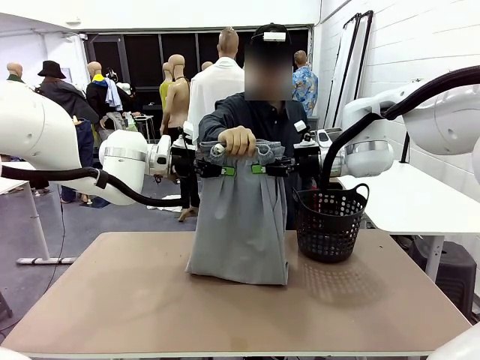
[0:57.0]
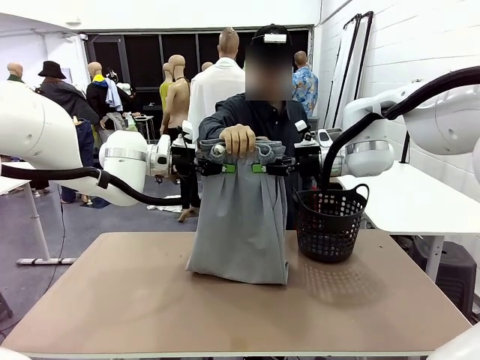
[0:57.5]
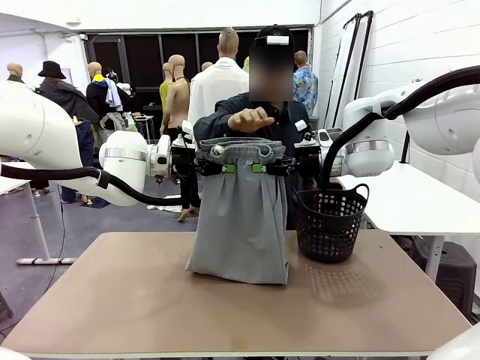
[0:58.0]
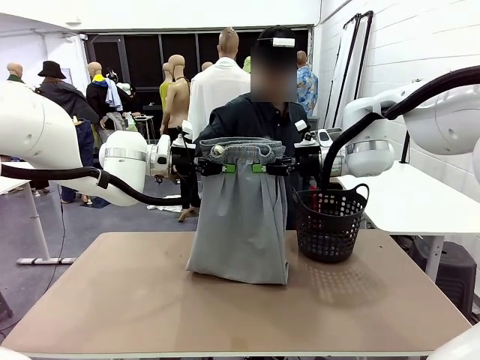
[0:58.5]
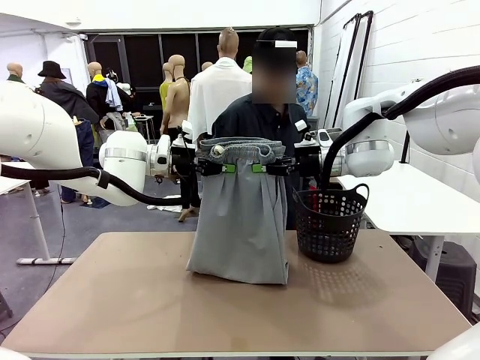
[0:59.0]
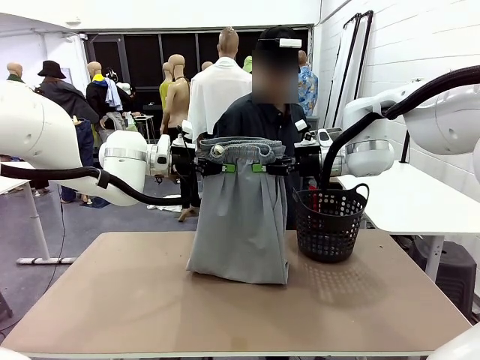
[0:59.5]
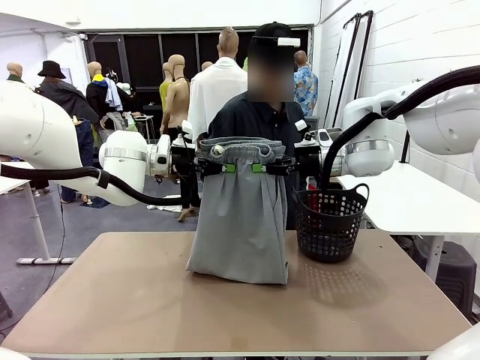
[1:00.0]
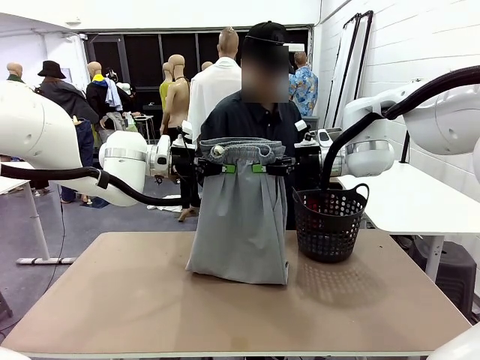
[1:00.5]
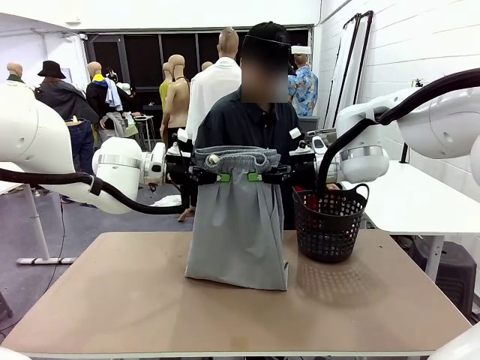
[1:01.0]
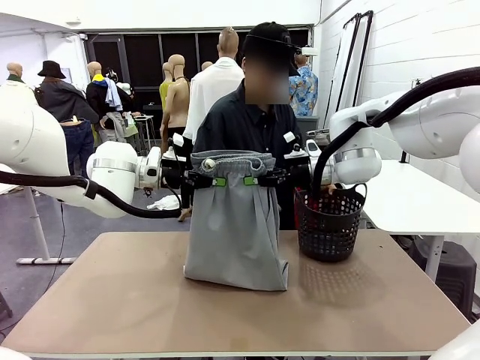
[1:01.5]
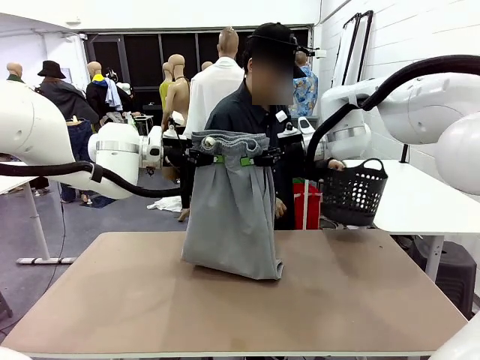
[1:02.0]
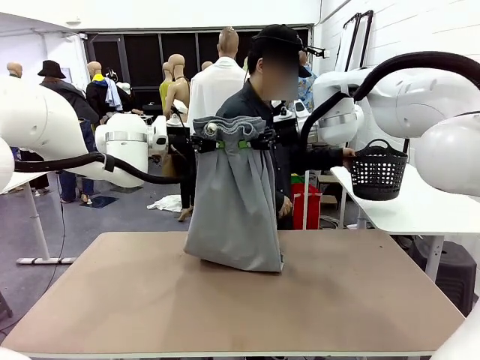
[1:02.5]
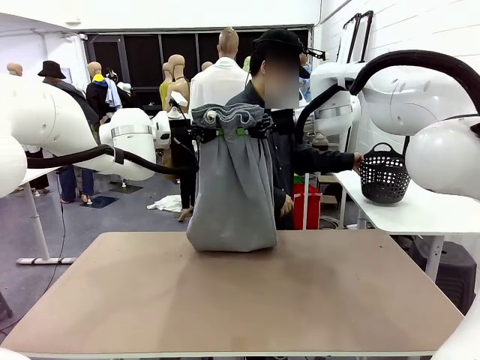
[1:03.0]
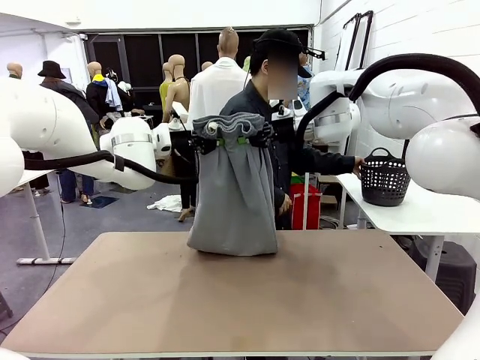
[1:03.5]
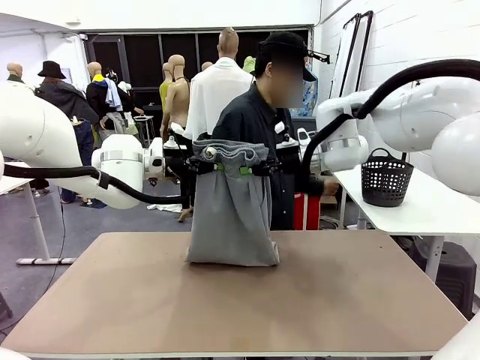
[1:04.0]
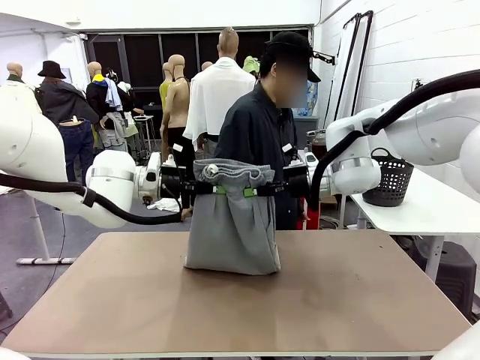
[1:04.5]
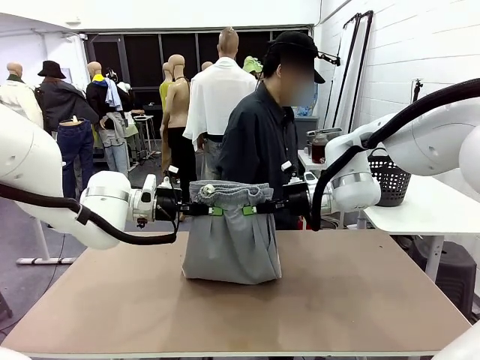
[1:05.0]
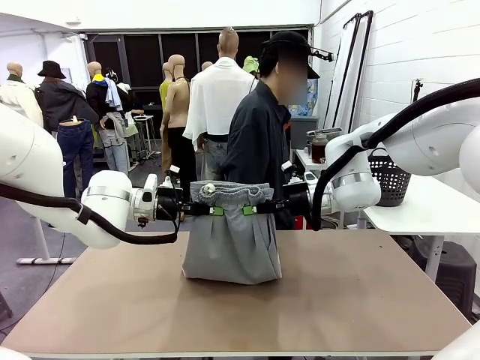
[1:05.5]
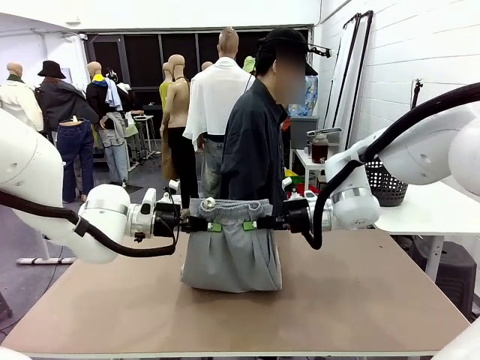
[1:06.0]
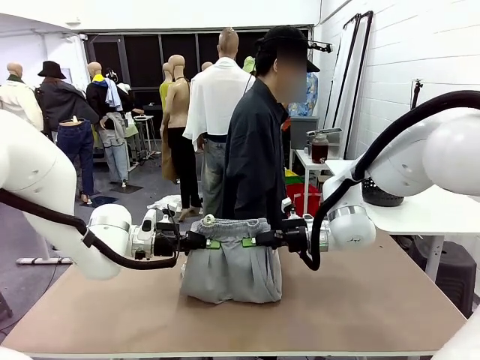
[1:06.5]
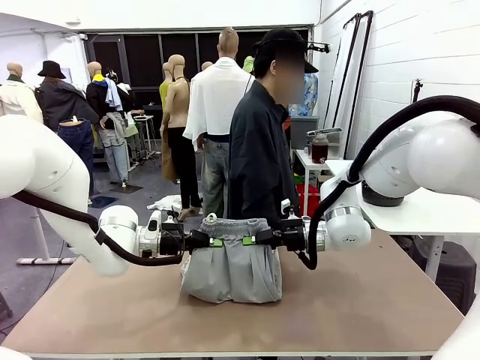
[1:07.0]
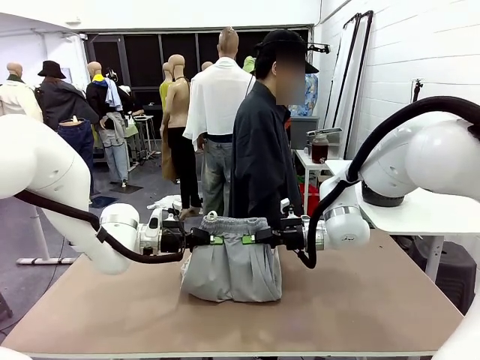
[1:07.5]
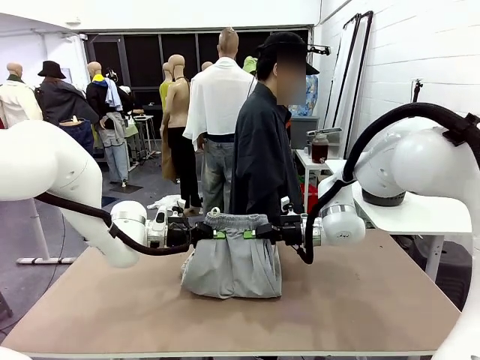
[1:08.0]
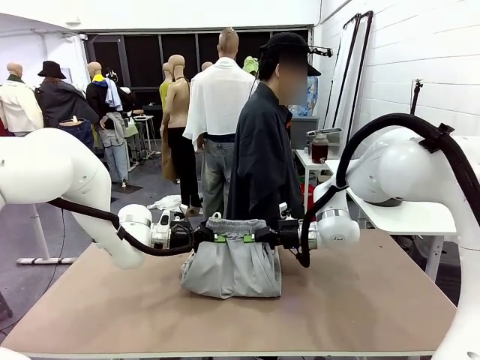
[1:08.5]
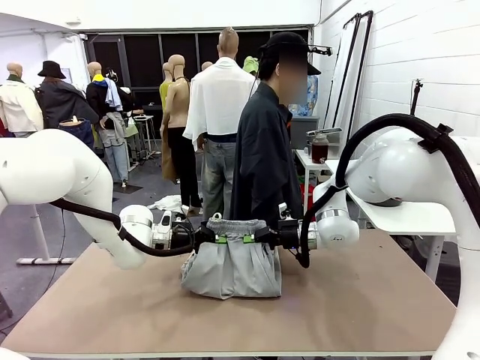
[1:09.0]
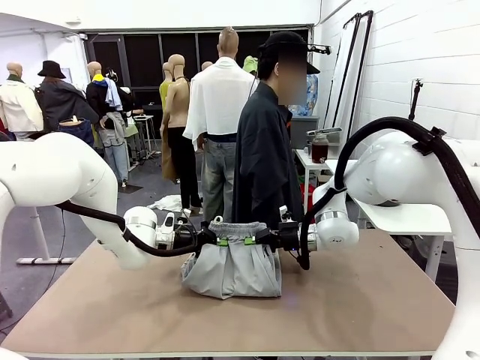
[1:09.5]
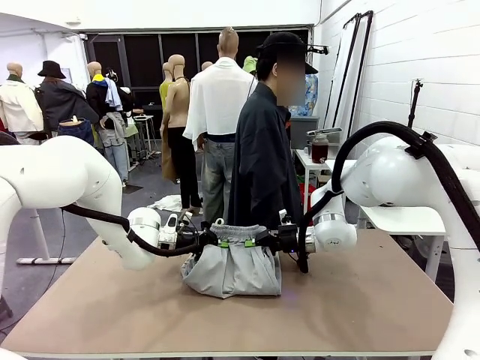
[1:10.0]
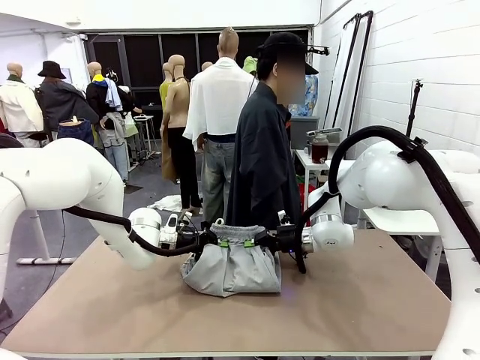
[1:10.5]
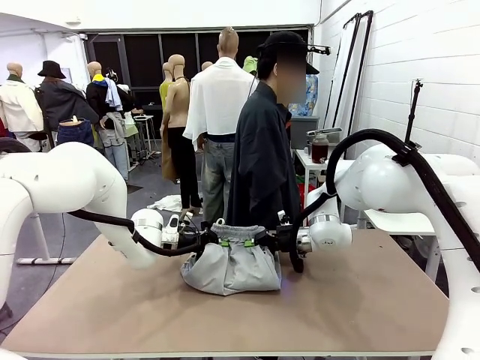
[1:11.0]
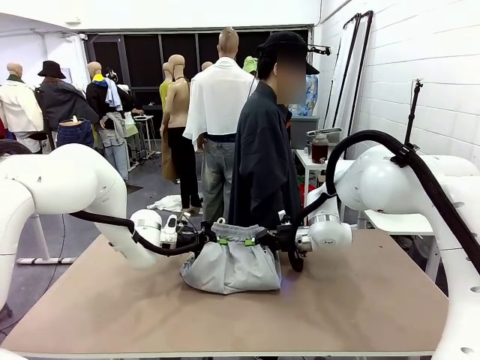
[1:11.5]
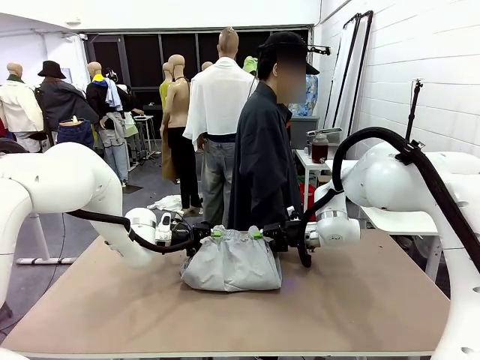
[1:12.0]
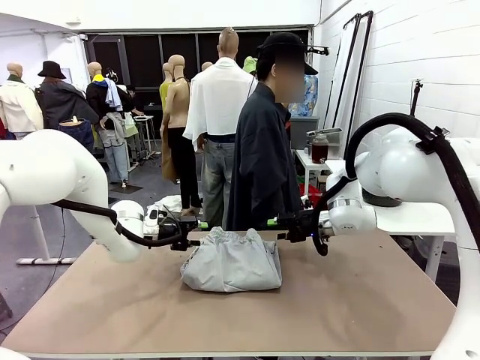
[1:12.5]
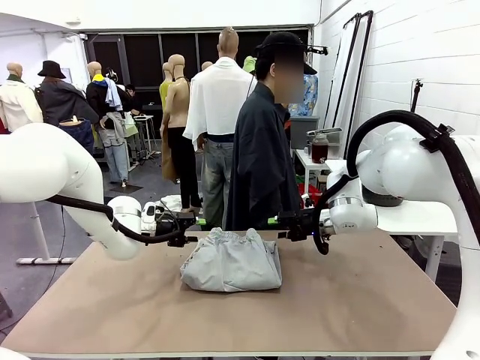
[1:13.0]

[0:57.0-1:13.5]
Task: Fold the training pants.
Robot: Fold the Training pants in half.
Person: Move the laundry basket to the right of the human table.

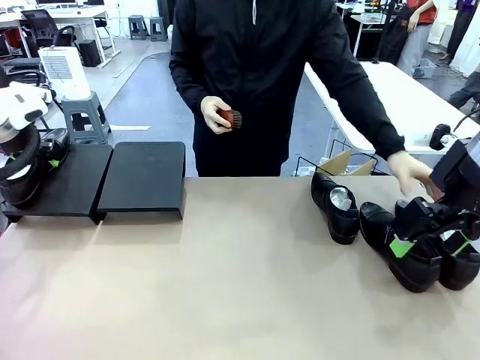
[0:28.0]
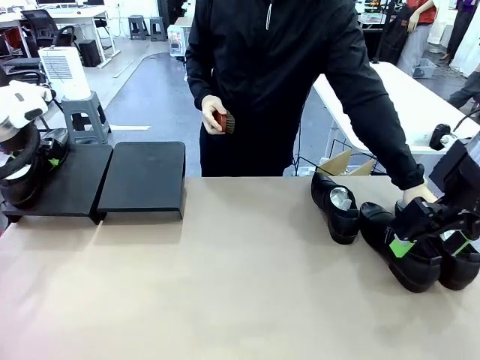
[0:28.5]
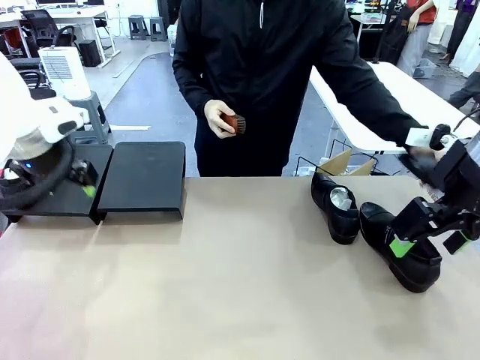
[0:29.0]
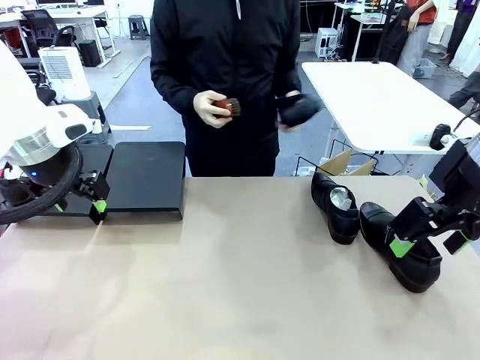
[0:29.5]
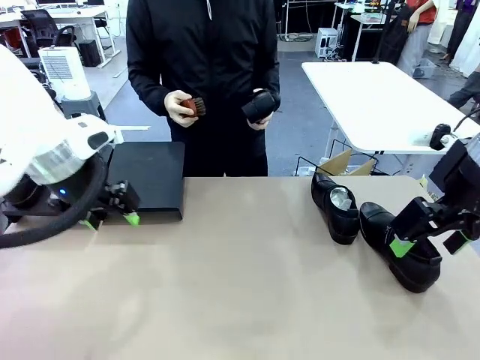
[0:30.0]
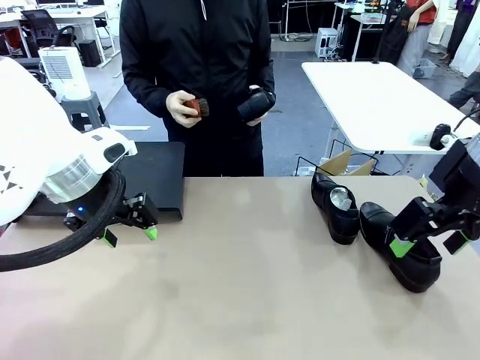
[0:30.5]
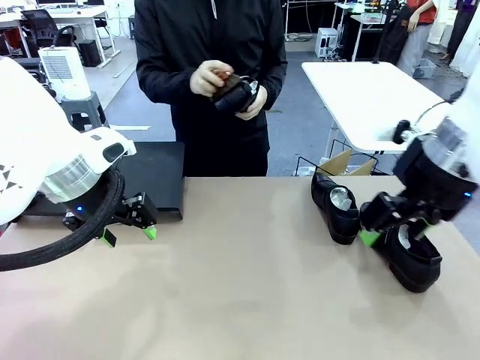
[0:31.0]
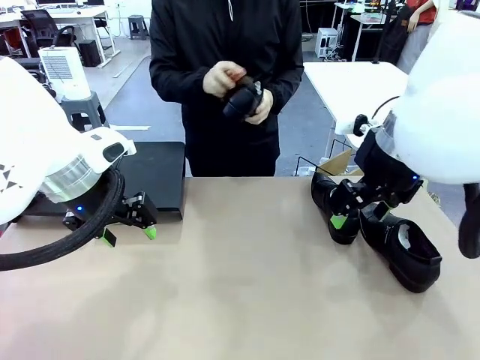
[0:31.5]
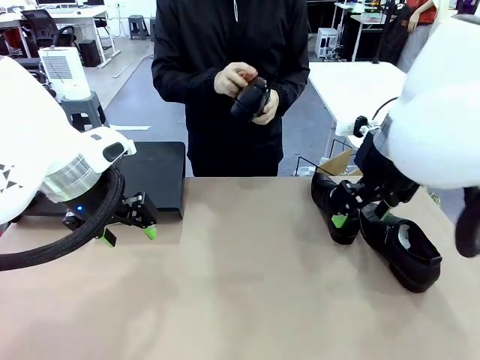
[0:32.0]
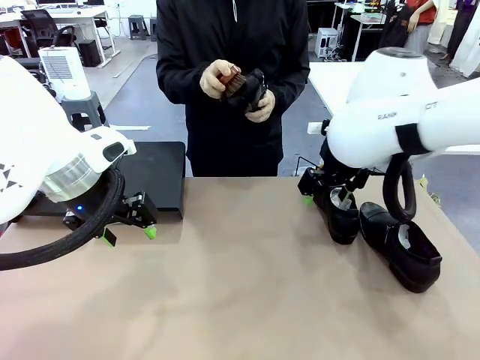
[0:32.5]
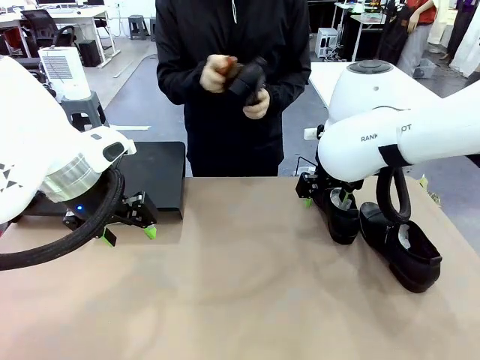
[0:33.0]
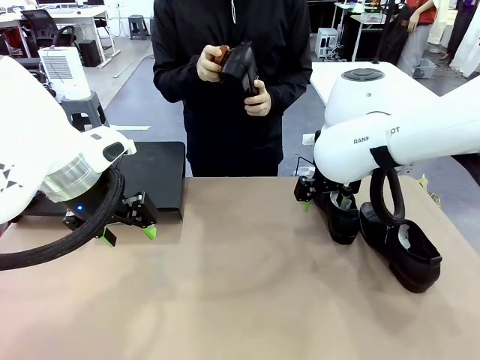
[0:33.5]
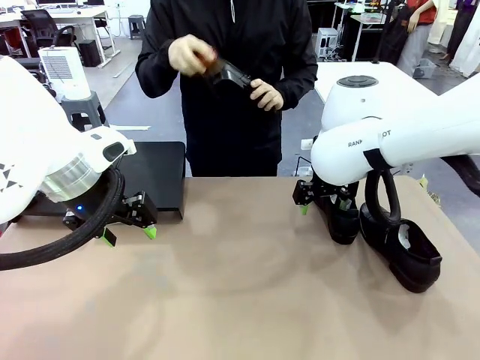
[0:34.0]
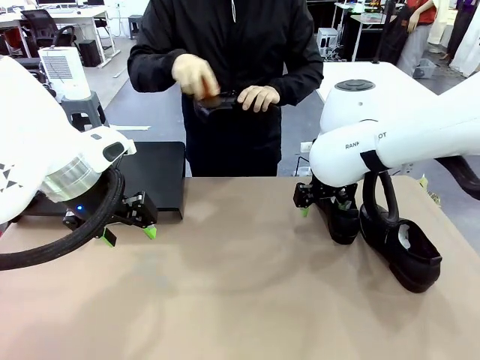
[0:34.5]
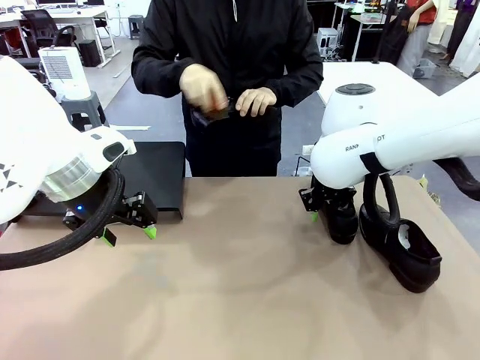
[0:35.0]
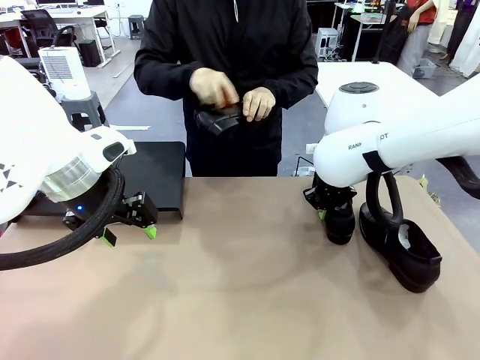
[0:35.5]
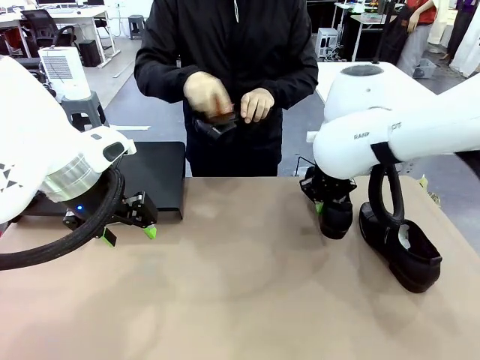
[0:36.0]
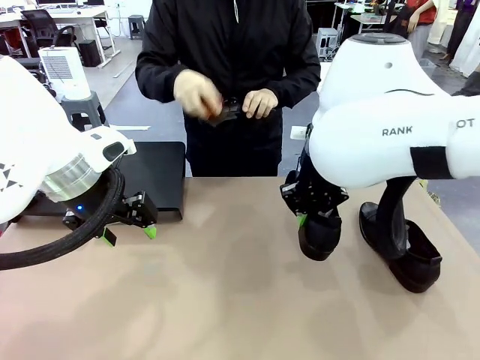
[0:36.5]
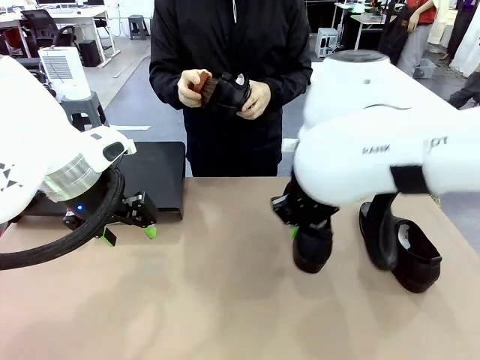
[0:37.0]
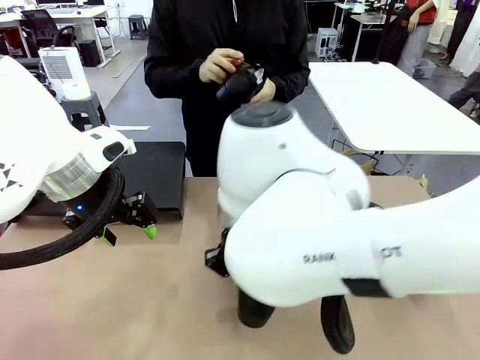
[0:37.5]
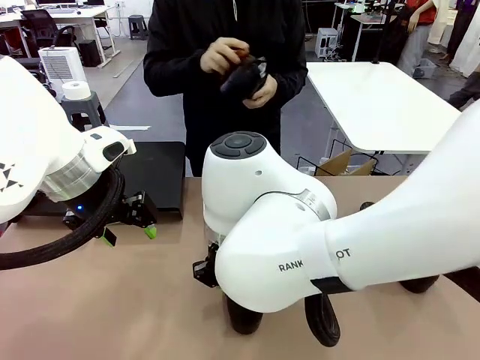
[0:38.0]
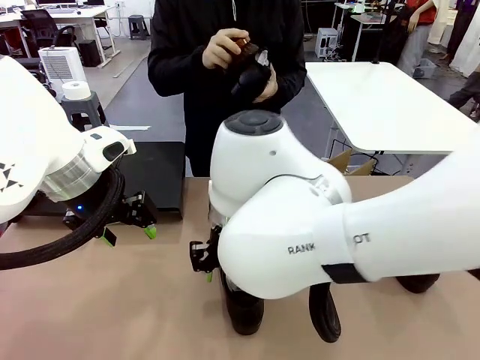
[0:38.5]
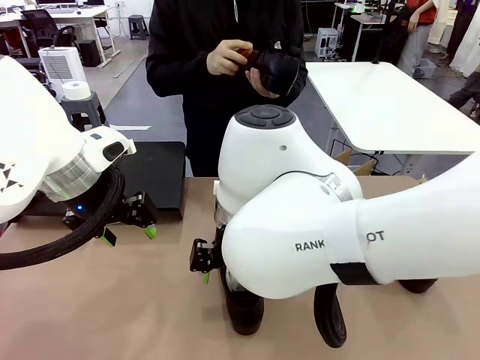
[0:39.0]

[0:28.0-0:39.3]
Task: Organize the shoes by placing them on the stand.
Robot: Pick up one Shoe and place it in the middle of the table.
Person: Pick one Shoe on Robot's table. Clean the Shoe with the Shoe Brush.
